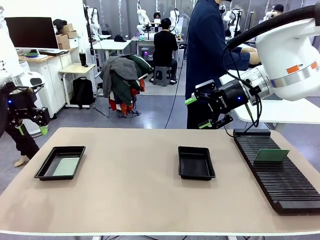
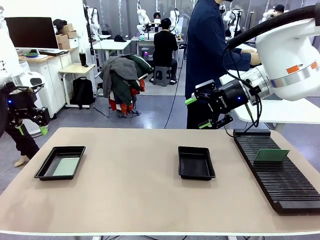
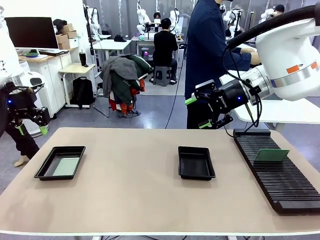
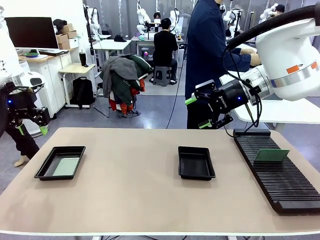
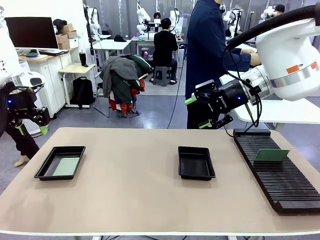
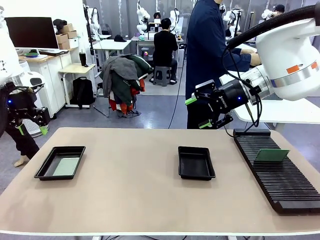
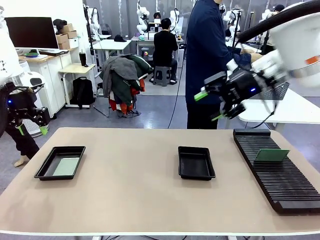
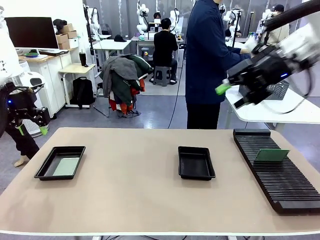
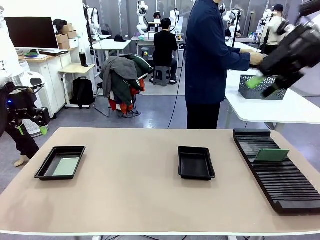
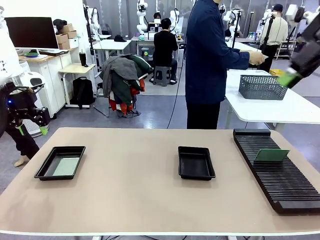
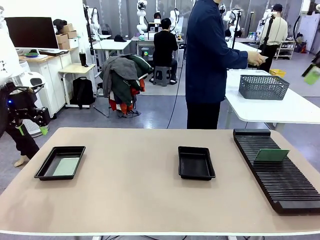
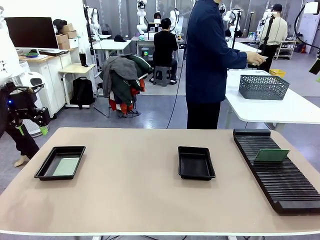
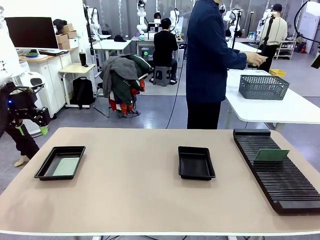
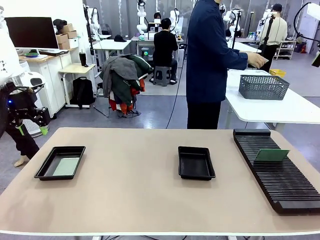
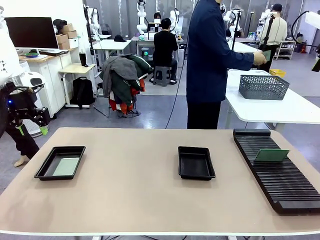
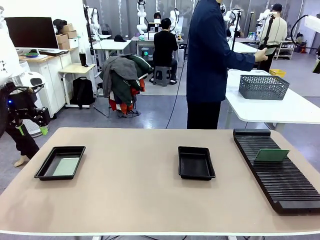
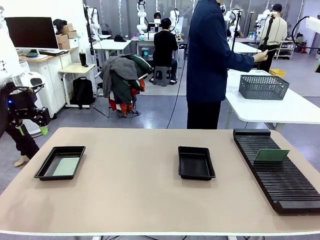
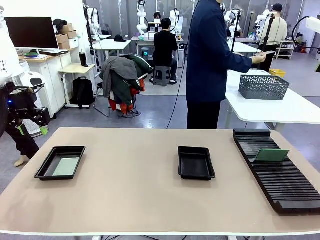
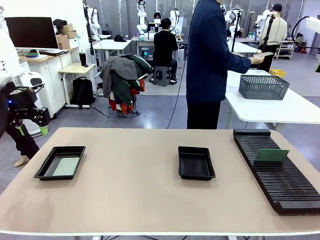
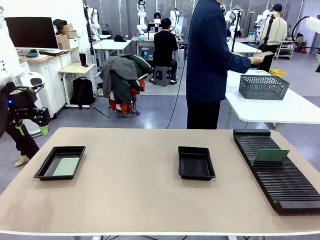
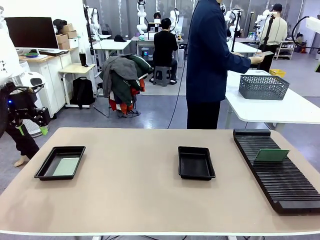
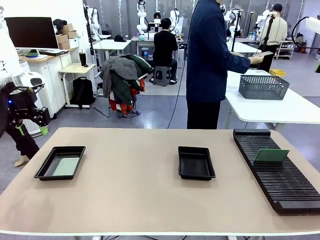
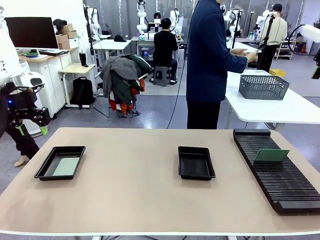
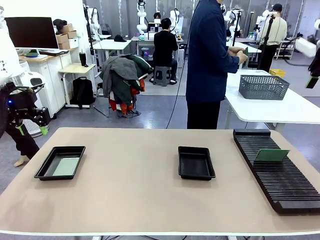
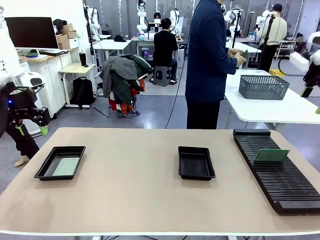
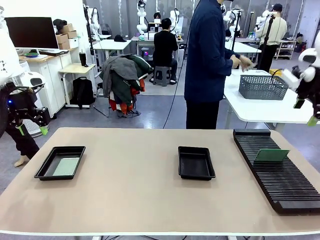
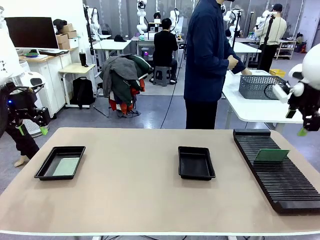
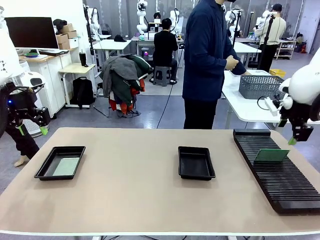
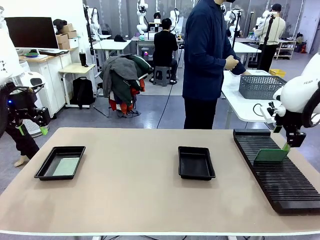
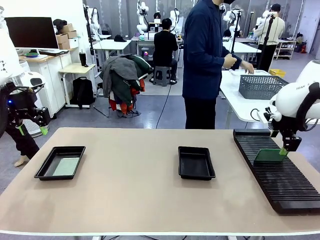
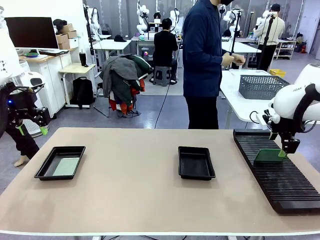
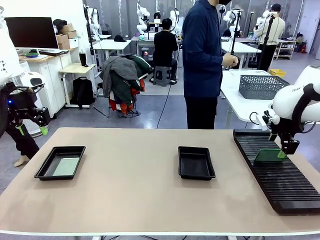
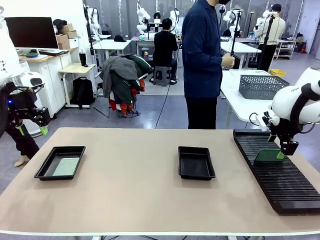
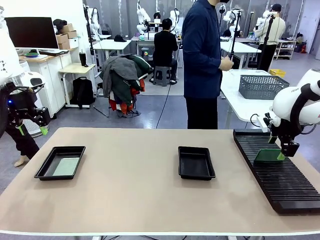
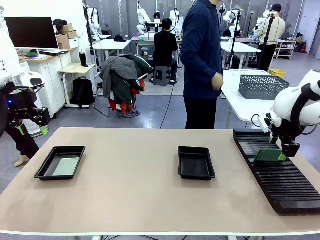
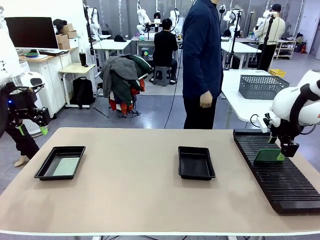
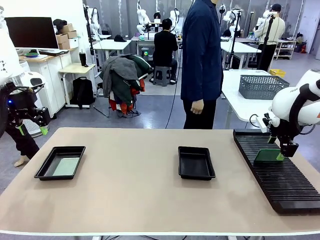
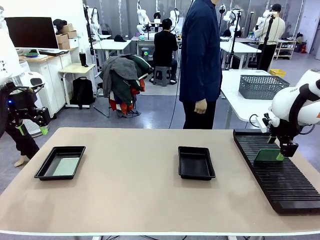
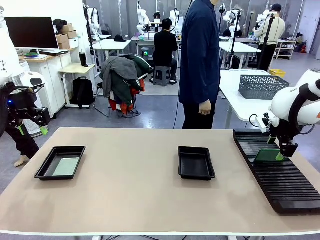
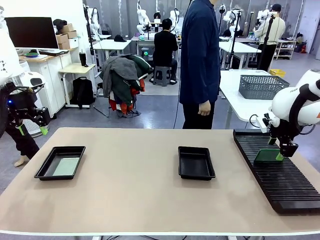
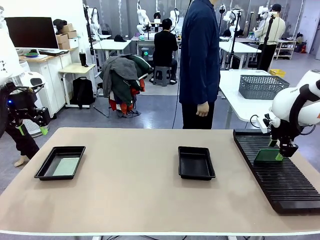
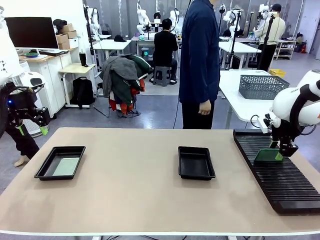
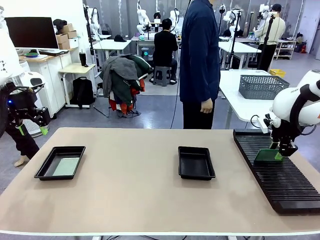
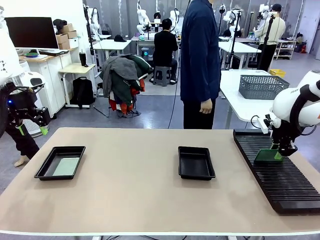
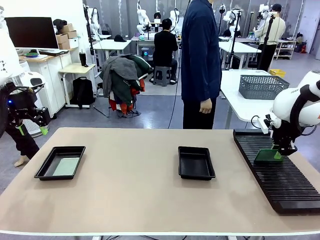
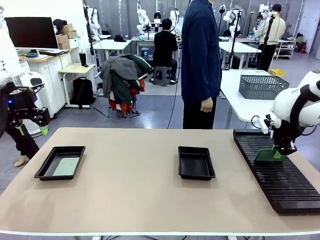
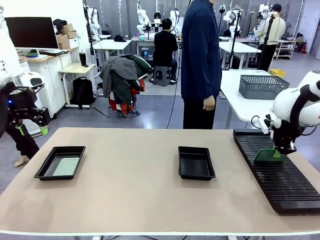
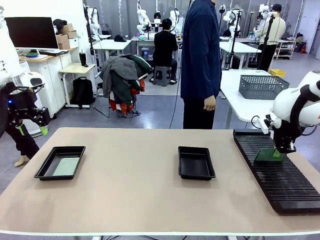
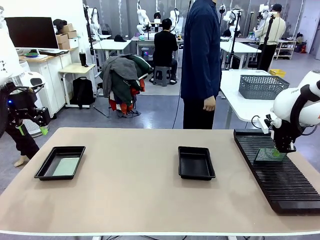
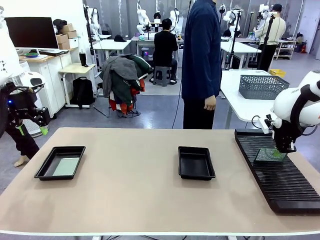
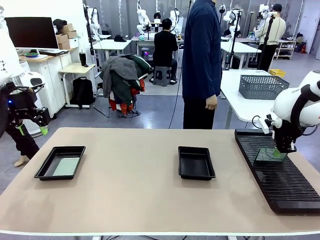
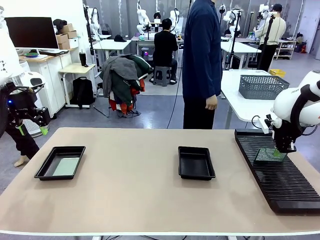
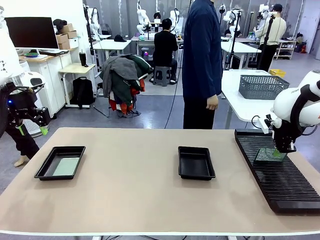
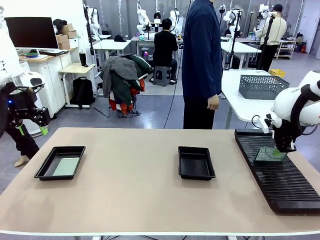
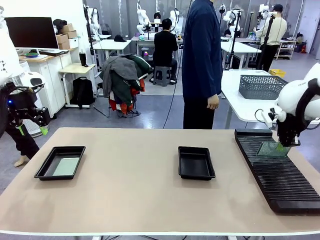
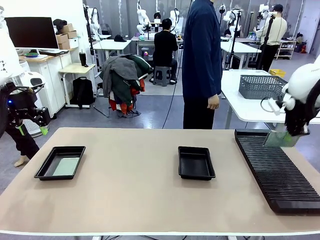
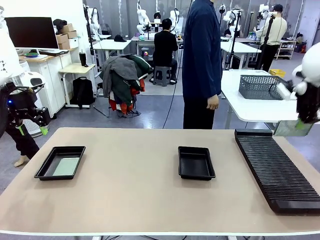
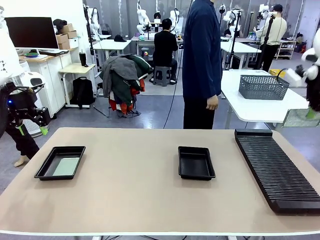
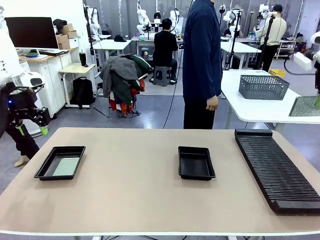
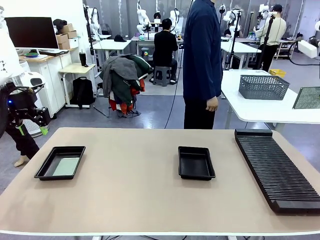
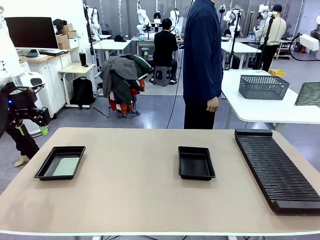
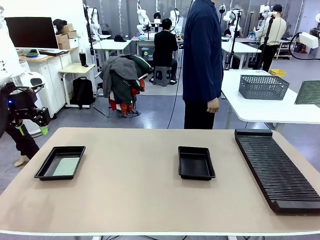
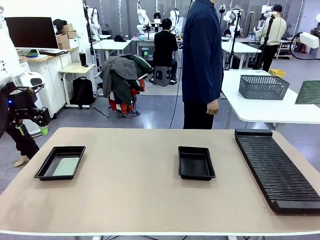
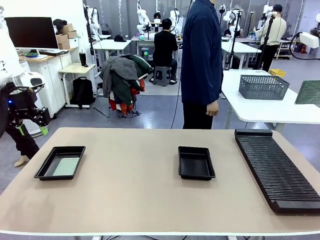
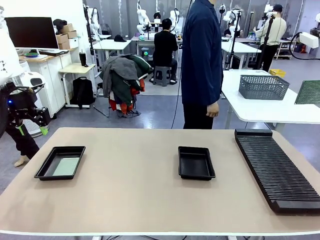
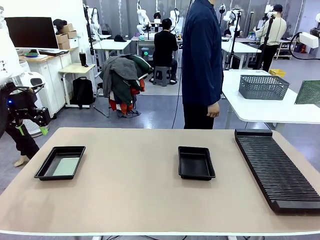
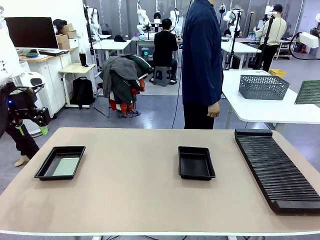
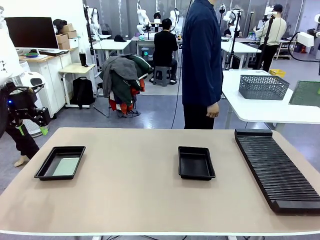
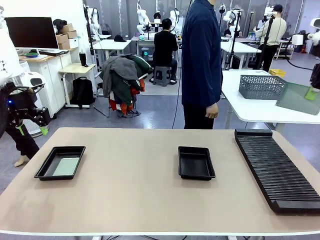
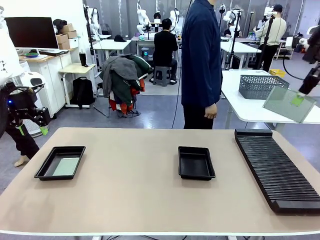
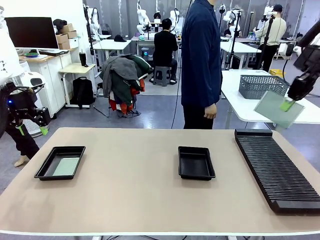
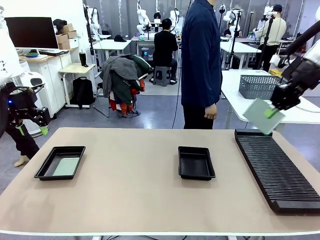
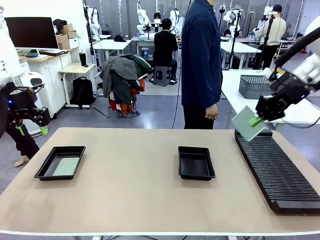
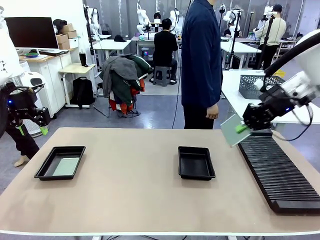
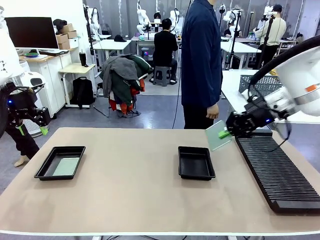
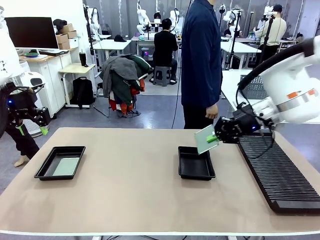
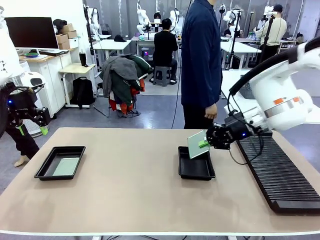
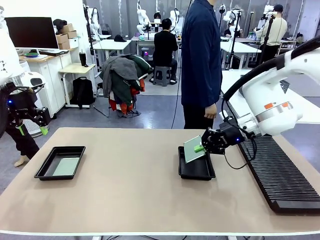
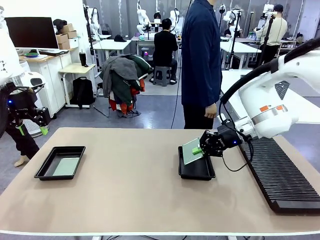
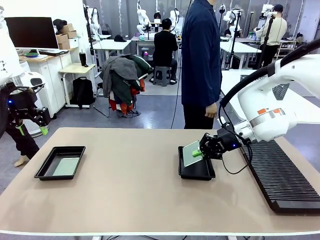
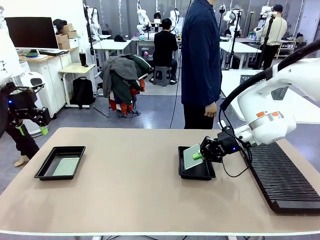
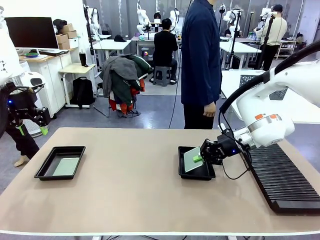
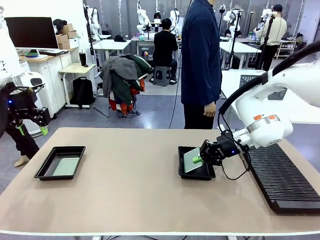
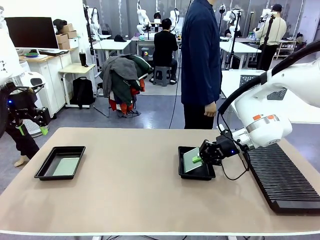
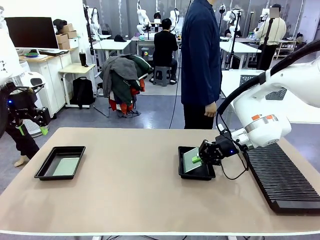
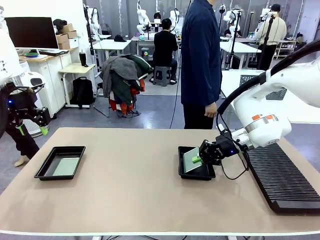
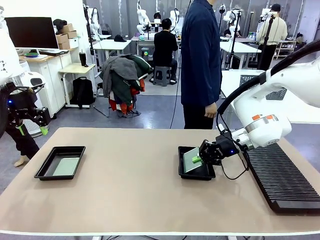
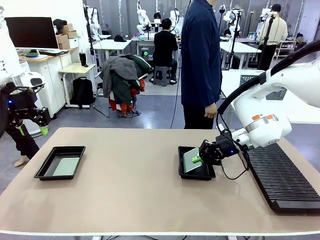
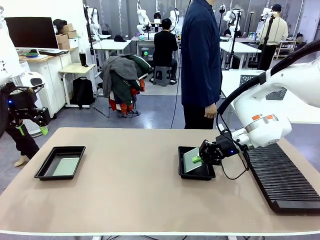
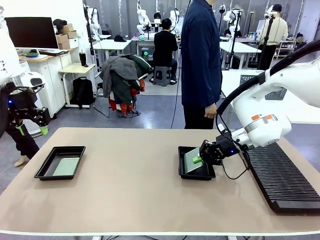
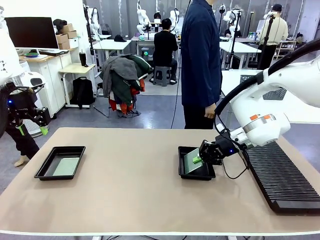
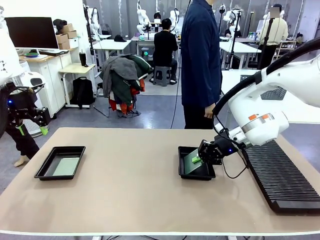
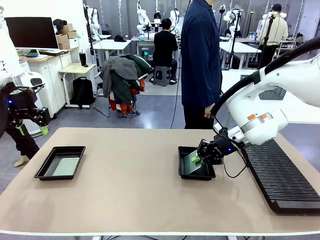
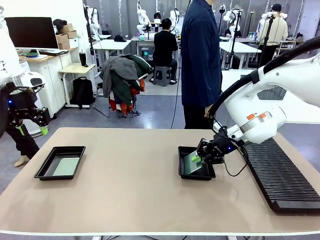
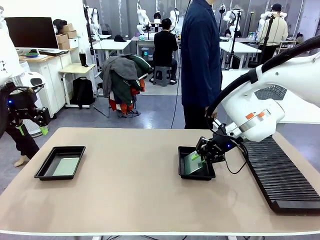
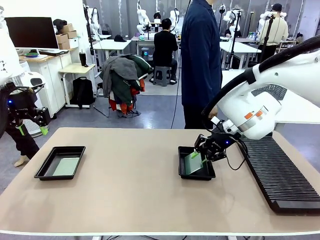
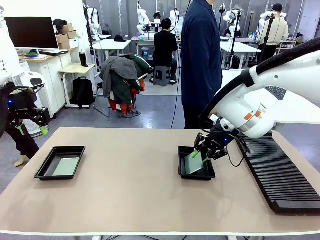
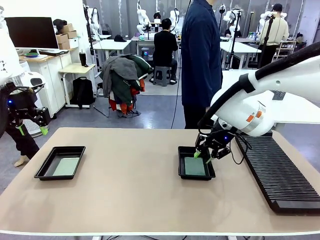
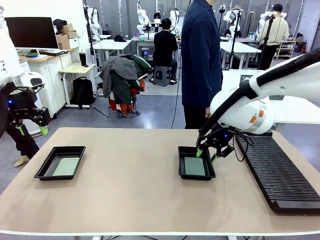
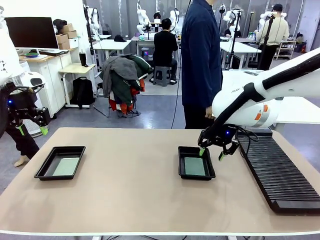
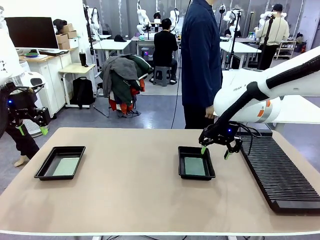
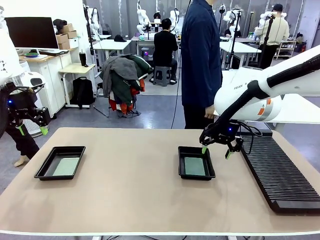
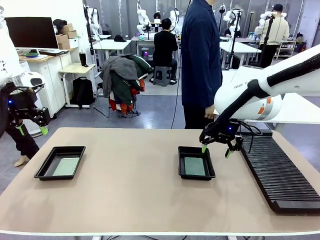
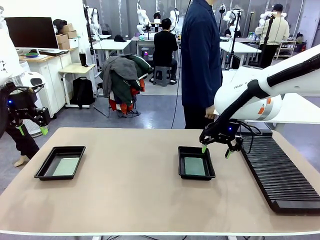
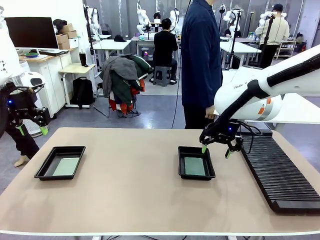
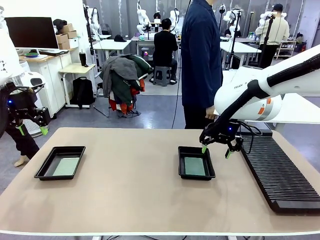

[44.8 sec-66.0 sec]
Task: Inspect and transfer BCBs to ESD trays.
Robot: Pick up the Blank PCB from the PCB Rack and place it in the right ESD tray.
